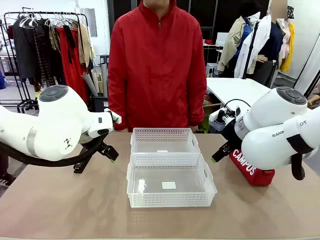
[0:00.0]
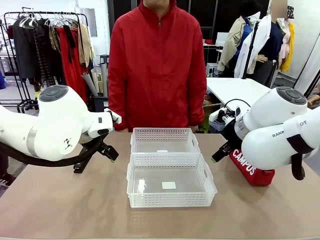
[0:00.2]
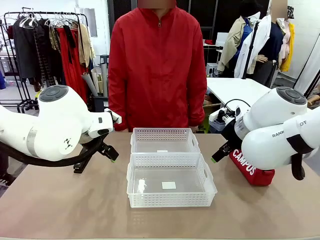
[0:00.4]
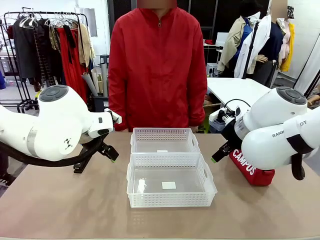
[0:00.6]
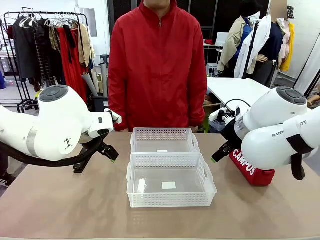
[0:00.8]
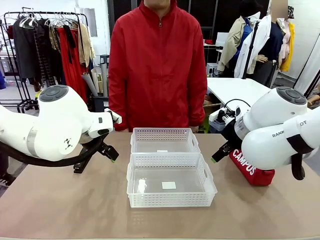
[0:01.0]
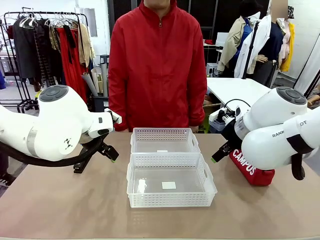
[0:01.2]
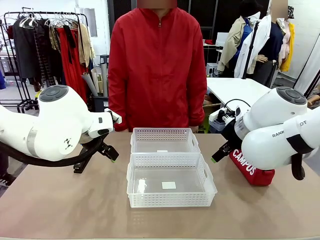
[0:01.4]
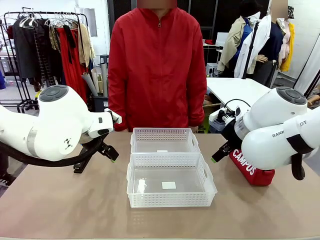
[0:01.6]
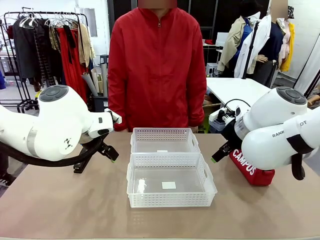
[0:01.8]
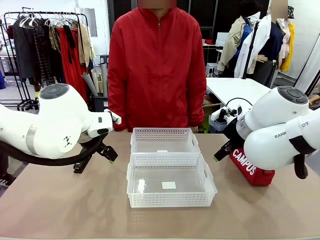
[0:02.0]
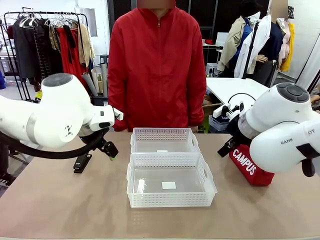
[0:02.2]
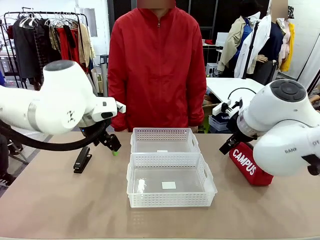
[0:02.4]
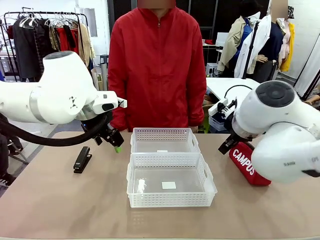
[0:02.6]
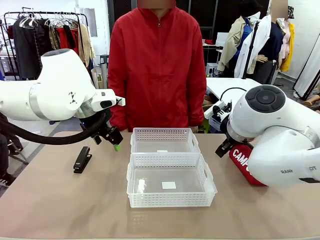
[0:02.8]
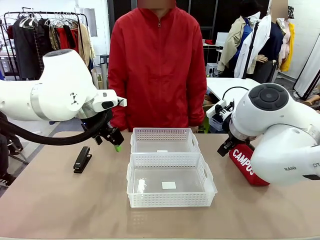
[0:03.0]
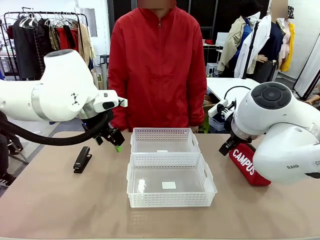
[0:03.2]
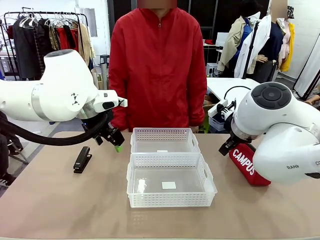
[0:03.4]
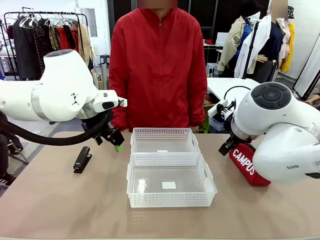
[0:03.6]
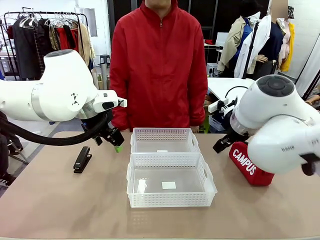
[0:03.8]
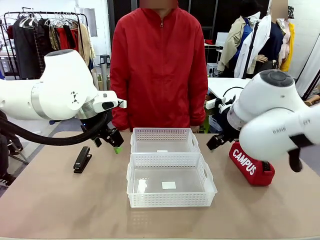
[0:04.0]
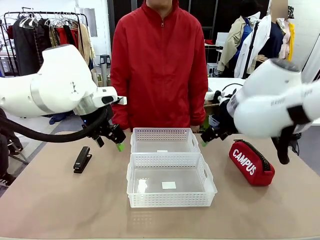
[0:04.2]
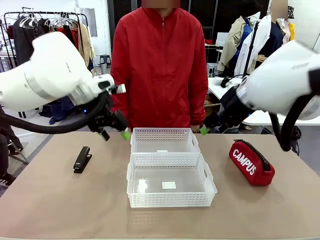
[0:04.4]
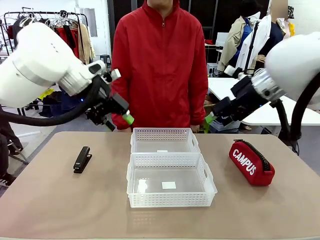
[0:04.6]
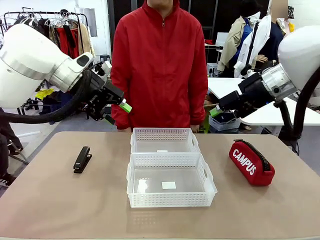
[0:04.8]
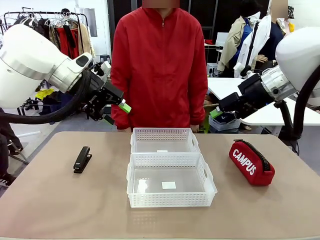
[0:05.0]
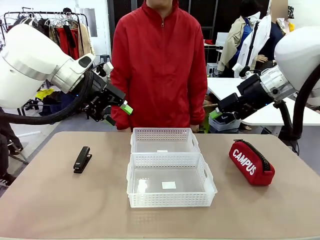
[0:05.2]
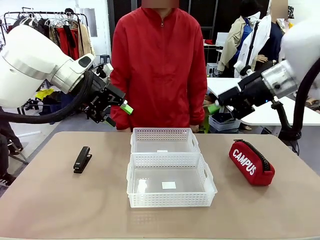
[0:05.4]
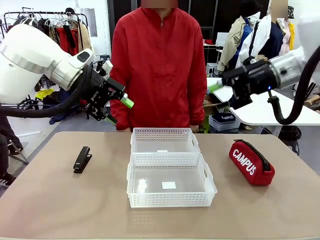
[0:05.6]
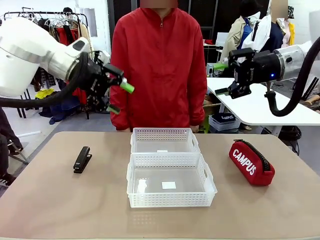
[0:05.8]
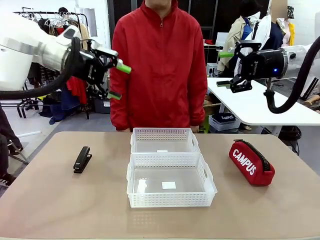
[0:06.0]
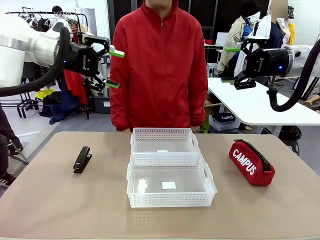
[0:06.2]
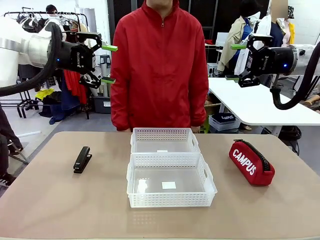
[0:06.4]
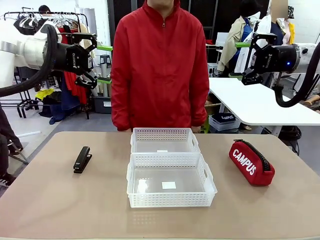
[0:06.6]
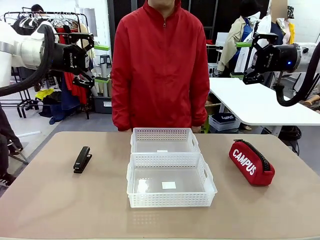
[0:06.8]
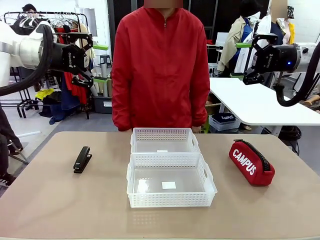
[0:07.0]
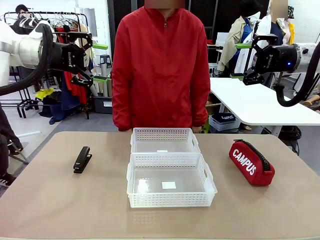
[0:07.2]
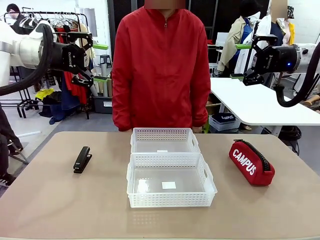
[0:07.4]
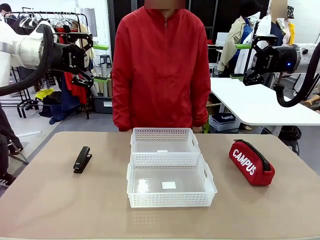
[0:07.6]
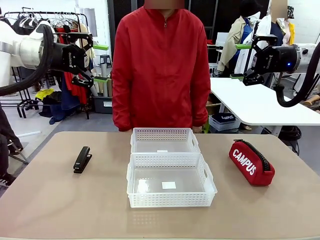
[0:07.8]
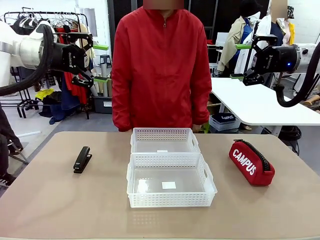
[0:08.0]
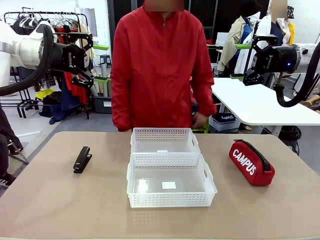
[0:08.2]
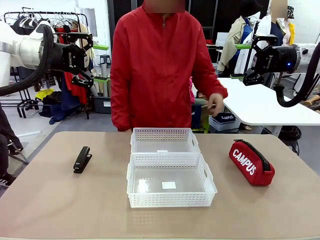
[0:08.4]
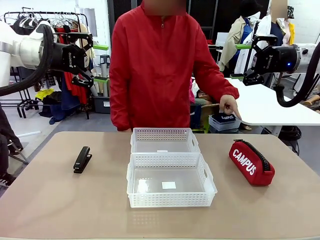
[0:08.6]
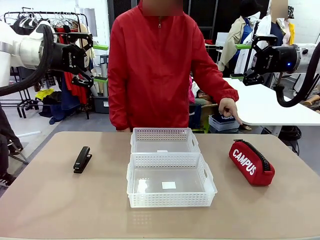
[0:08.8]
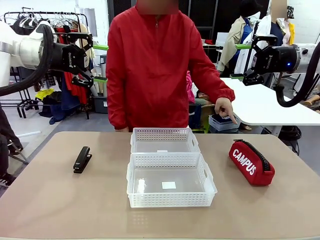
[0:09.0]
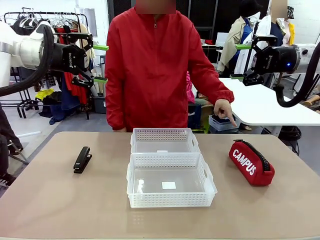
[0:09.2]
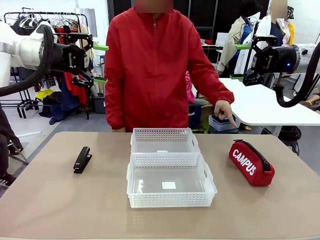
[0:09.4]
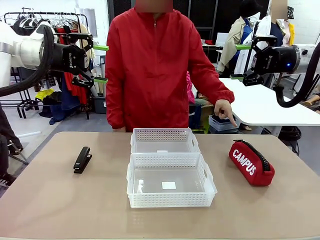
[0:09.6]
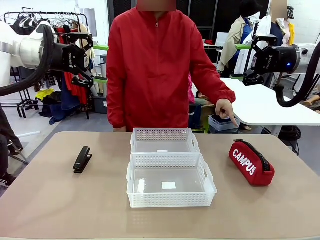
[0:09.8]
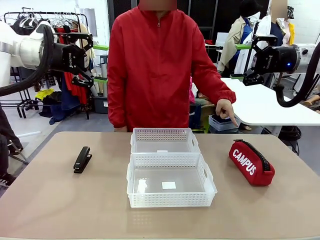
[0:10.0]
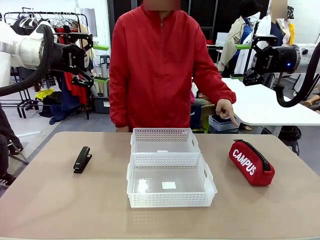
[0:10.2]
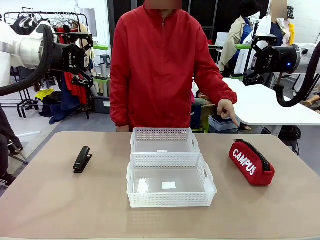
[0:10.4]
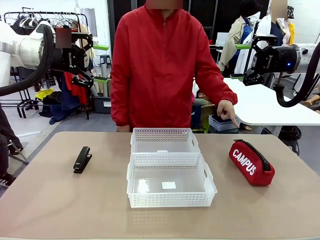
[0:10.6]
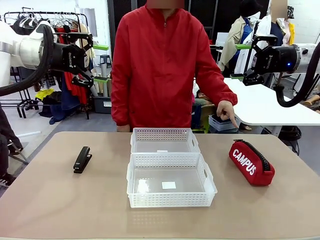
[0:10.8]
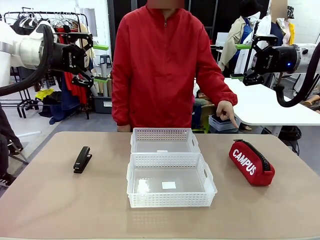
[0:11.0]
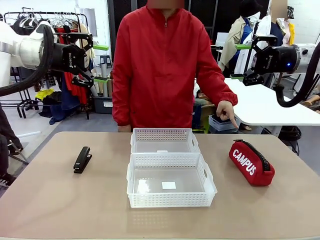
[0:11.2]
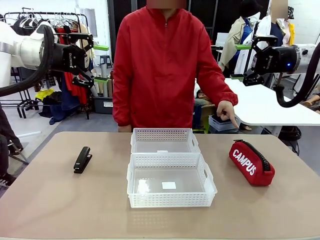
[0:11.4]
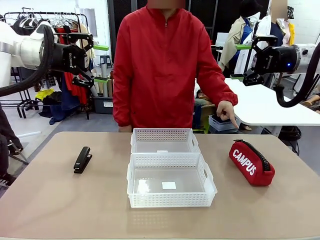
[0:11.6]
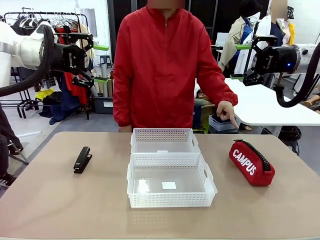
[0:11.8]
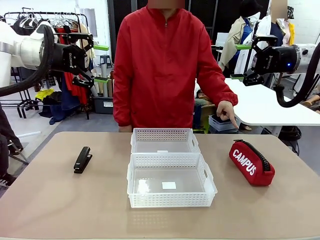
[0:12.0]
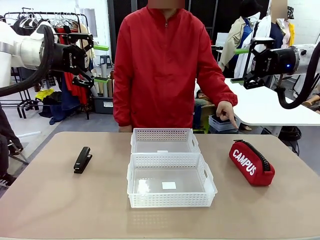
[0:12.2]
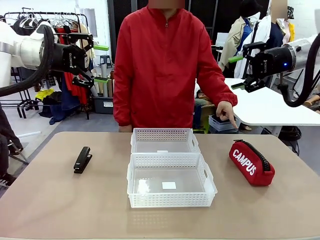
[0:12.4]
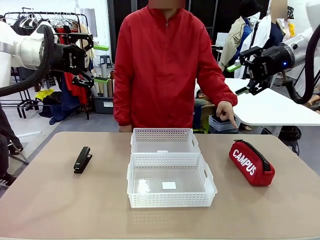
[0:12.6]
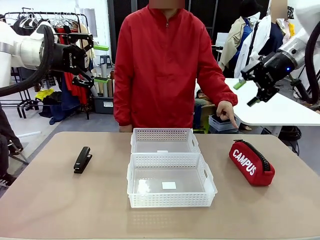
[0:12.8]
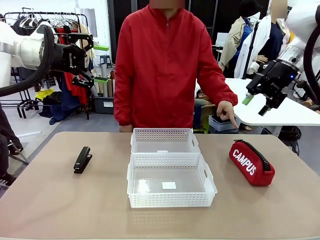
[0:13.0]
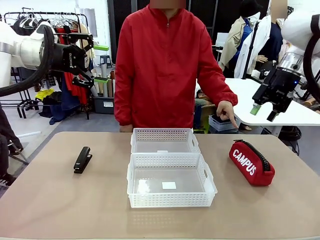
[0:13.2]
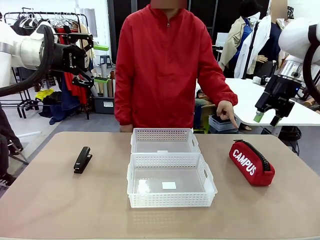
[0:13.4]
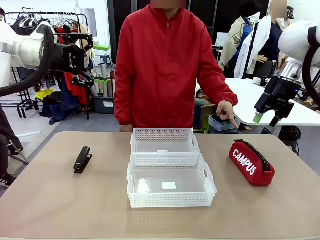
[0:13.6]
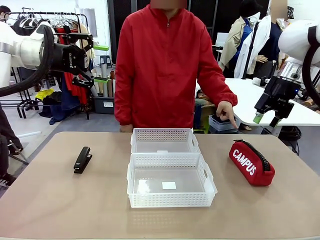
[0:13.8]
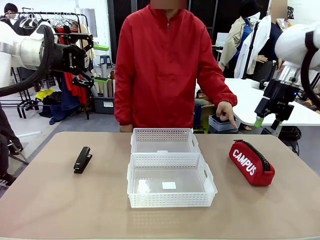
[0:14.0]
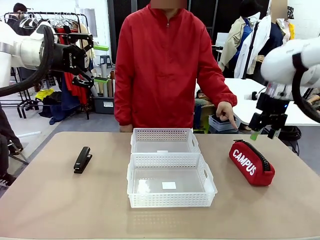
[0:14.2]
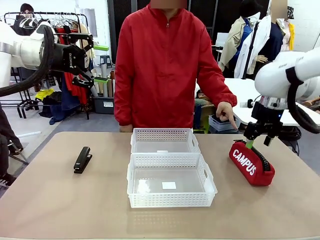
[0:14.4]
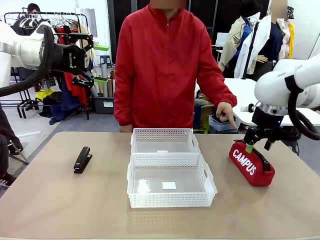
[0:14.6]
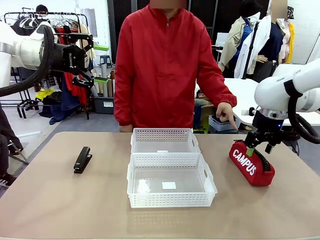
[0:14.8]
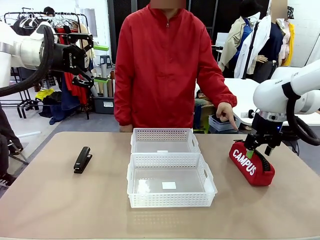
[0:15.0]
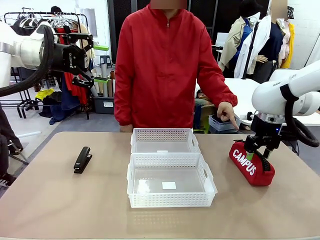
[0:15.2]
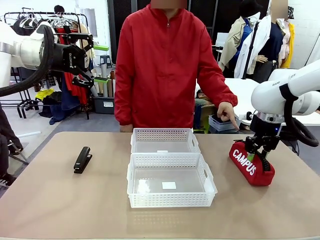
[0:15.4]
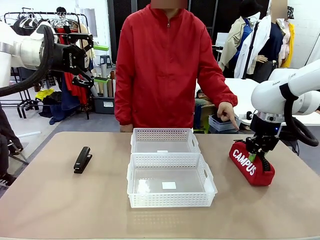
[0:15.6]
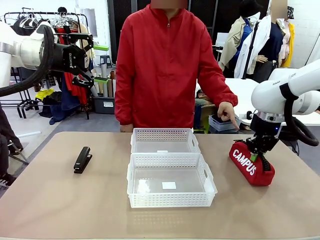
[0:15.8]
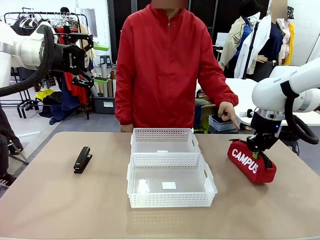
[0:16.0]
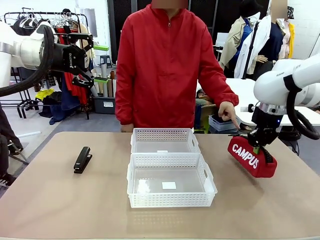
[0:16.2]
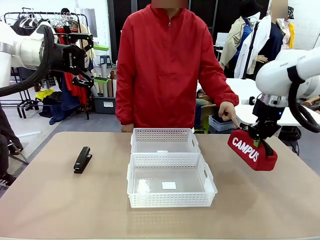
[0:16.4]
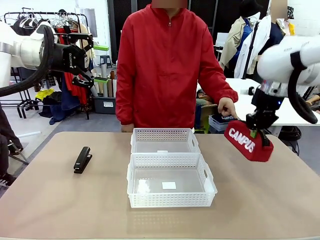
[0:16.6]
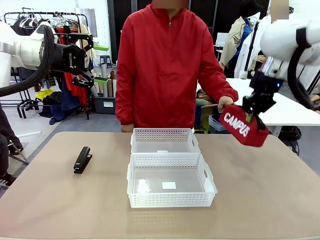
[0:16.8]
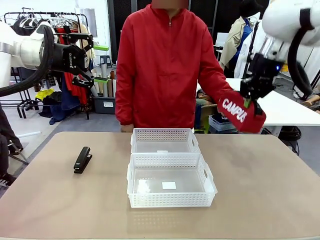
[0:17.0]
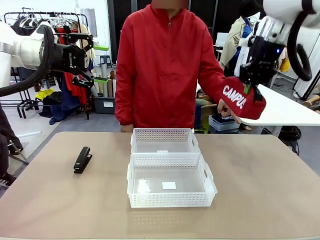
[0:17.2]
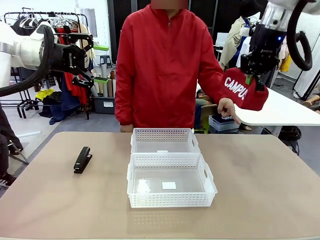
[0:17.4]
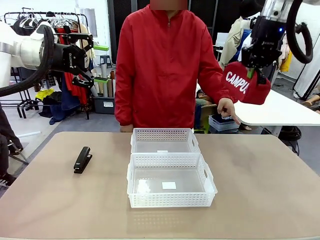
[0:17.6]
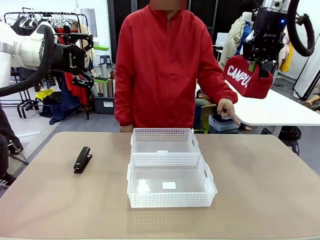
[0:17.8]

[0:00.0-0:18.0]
Task: Distribute items into two baskets.
Robot: Pick up the Pencil pouch that the person points to.
Person: Points to the pencil case. Points between the two organizing baskets and instructs the robot to move the pencil case.

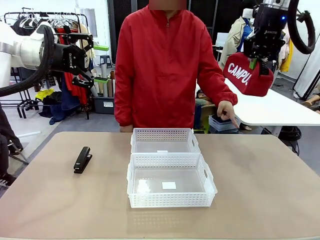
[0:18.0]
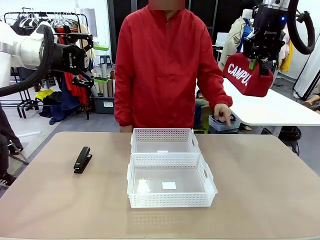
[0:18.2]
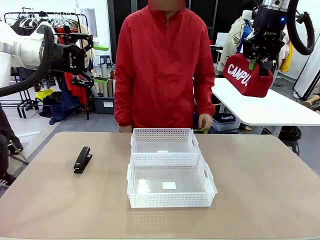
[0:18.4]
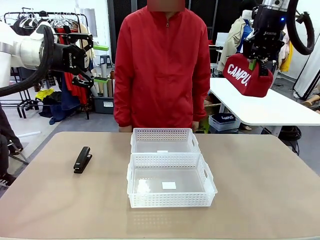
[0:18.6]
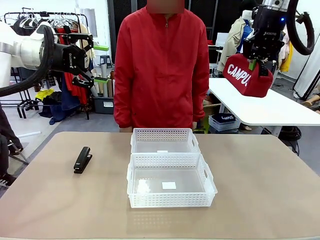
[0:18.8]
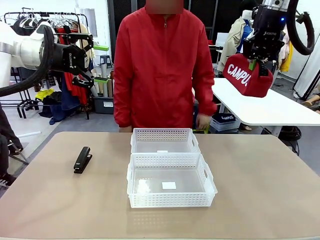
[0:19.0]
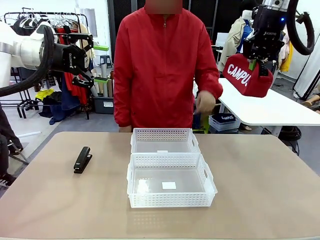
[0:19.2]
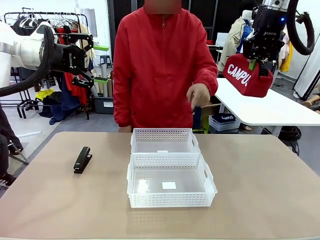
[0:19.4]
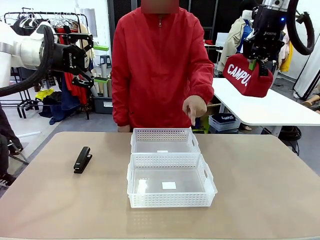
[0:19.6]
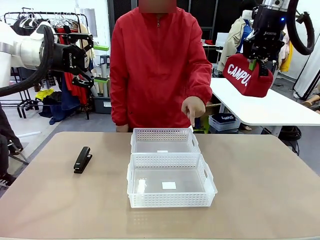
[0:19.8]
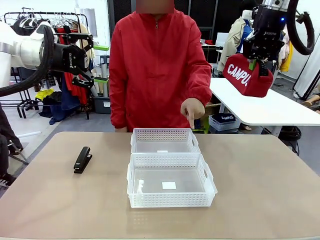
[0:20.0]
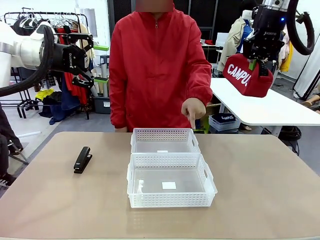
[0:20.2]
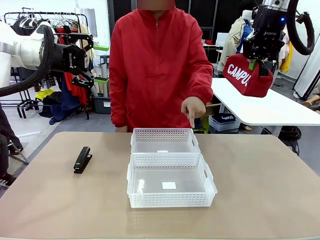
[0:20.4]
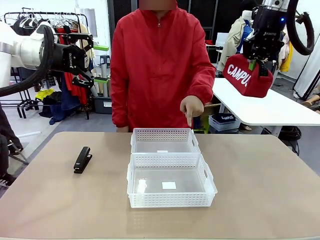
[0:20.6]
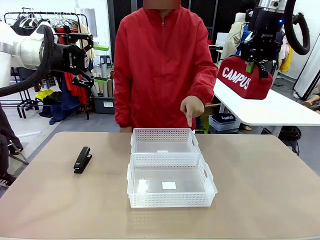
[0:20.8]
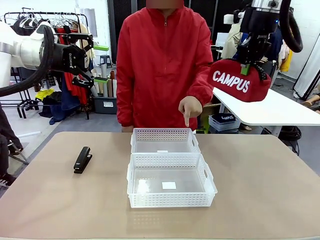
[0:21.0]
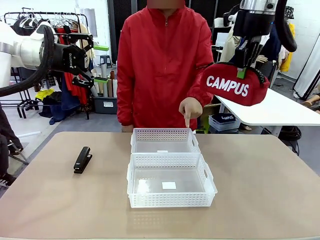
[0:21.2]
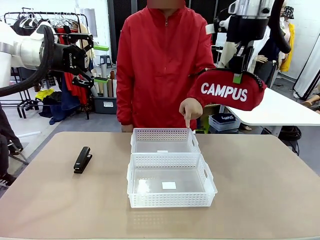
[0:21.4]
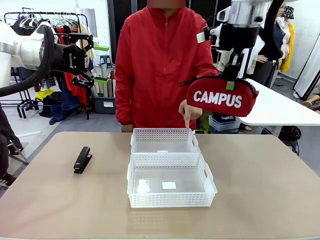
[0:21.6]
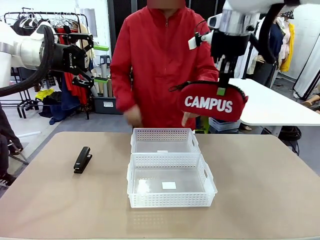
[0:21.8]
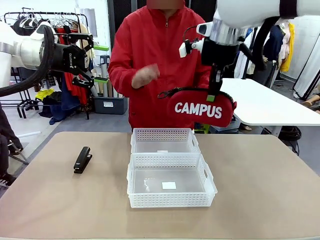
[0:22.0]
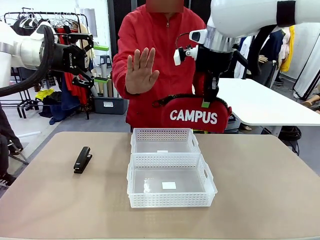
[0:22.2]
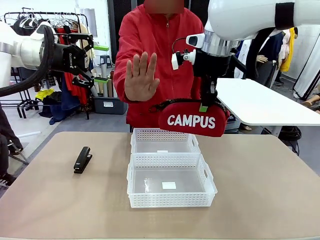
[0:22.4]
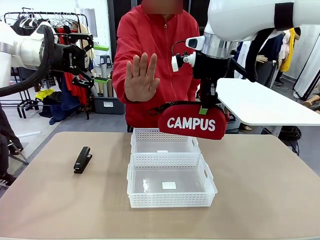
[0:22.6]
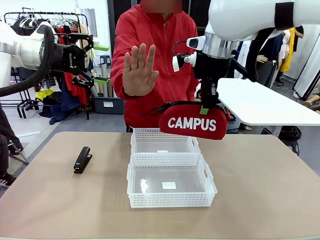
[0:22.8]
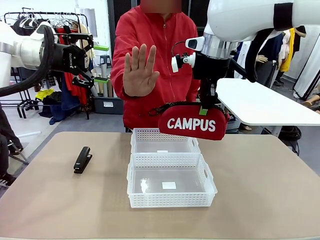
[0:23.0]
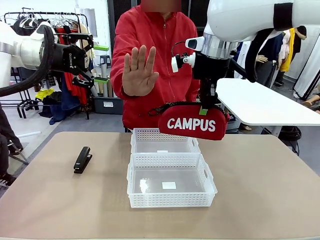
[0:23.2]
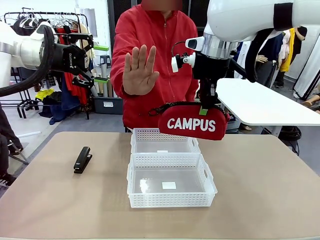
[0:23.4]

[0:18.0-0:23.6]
Robot: Move the picked Pencil pouch towards the Organizing basket indicated by the person, stopping as directed.
Person: Sends a stop gesture before the robot places the pencil case into the basket.
